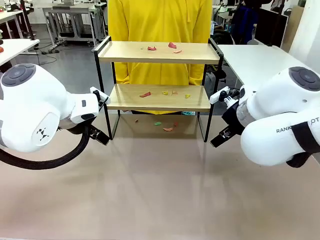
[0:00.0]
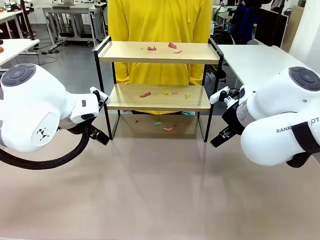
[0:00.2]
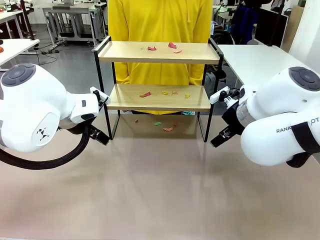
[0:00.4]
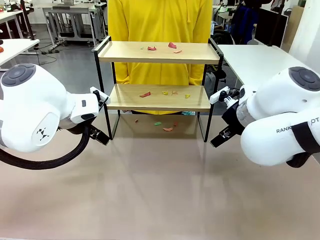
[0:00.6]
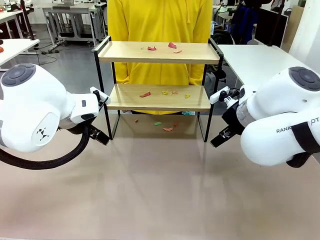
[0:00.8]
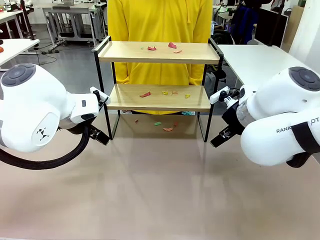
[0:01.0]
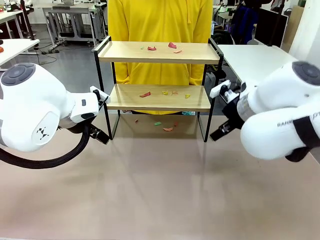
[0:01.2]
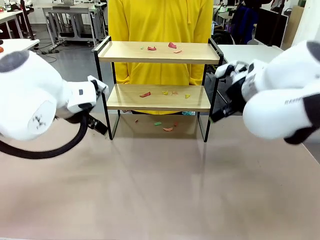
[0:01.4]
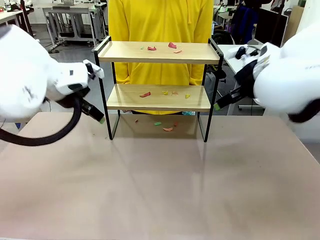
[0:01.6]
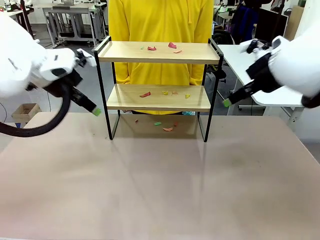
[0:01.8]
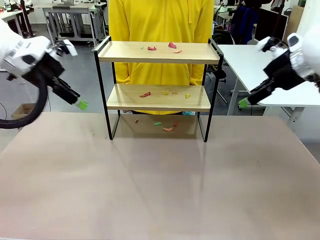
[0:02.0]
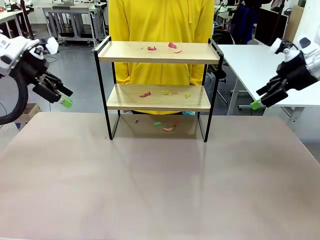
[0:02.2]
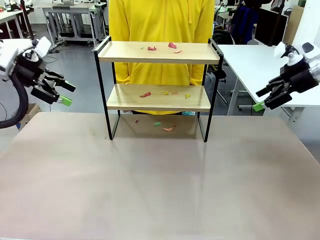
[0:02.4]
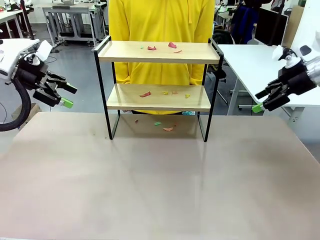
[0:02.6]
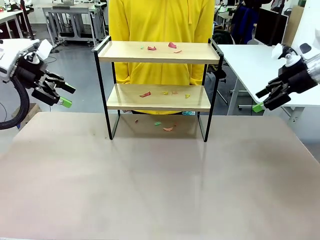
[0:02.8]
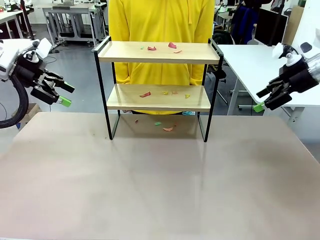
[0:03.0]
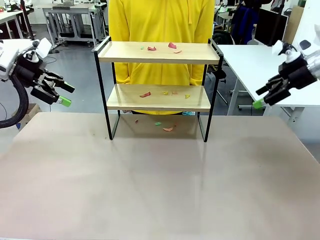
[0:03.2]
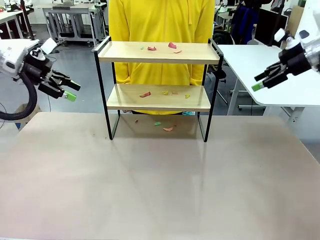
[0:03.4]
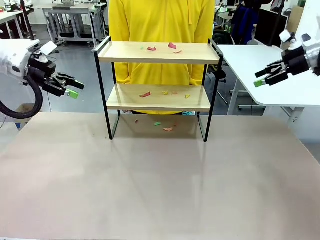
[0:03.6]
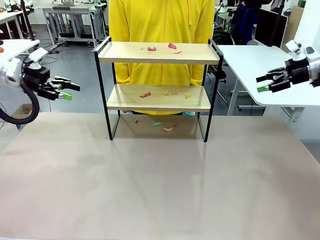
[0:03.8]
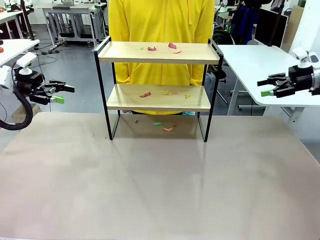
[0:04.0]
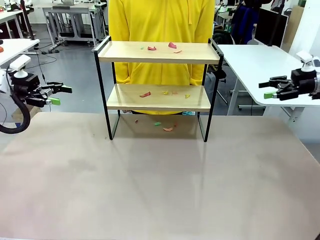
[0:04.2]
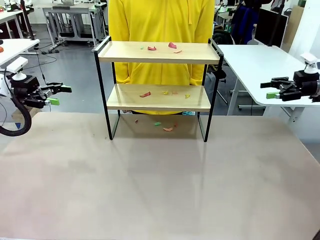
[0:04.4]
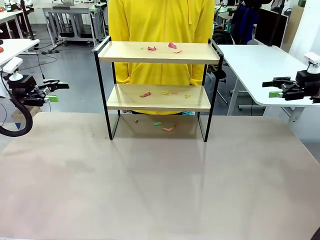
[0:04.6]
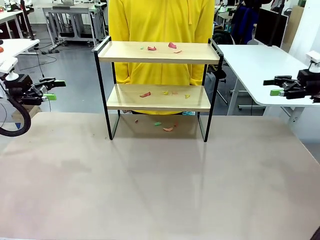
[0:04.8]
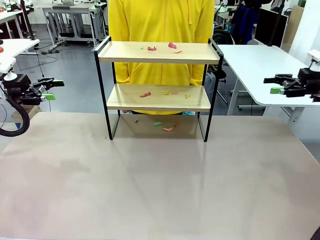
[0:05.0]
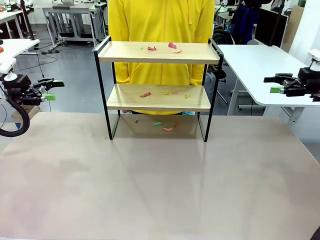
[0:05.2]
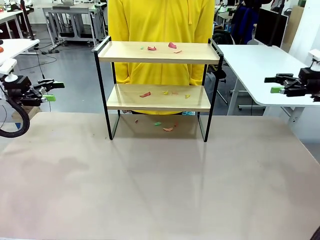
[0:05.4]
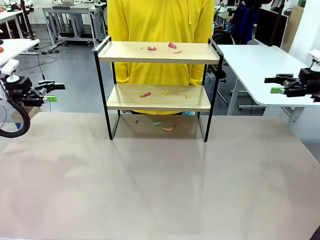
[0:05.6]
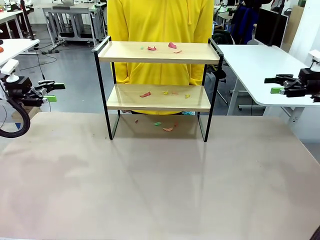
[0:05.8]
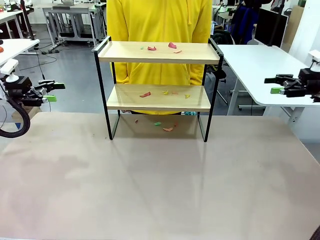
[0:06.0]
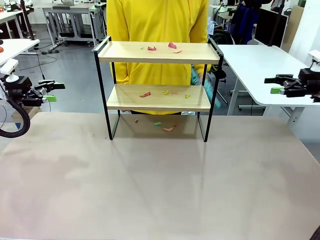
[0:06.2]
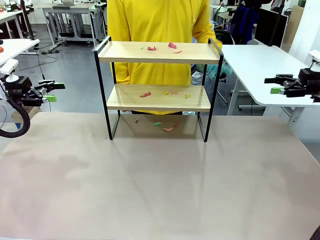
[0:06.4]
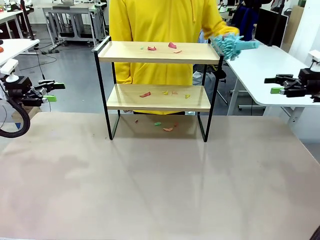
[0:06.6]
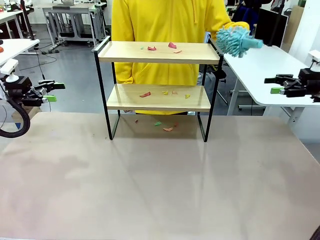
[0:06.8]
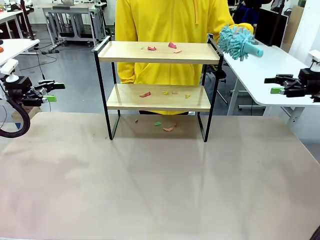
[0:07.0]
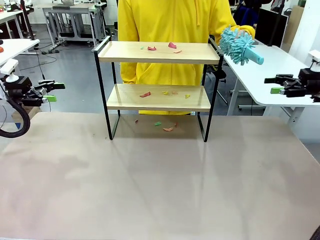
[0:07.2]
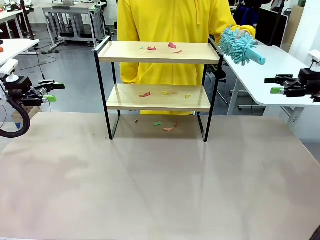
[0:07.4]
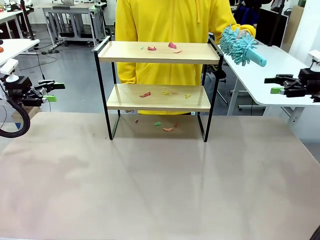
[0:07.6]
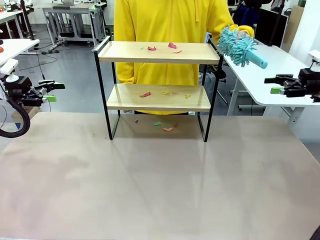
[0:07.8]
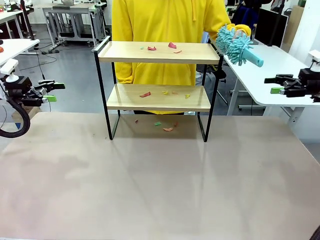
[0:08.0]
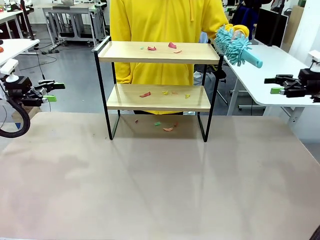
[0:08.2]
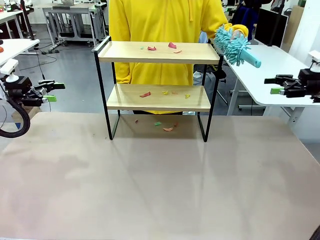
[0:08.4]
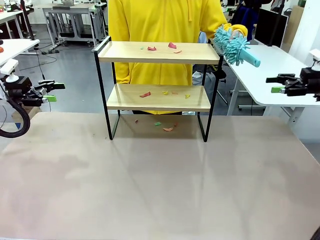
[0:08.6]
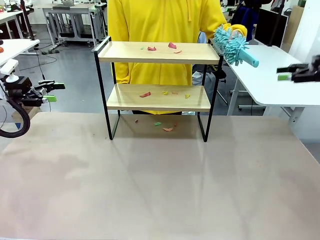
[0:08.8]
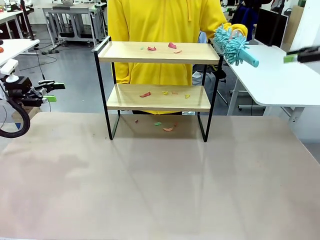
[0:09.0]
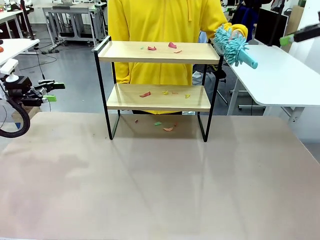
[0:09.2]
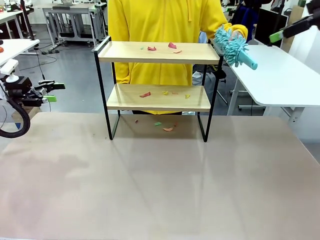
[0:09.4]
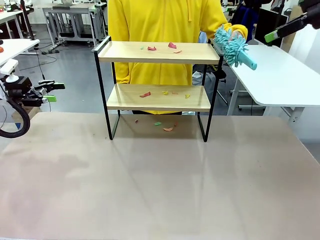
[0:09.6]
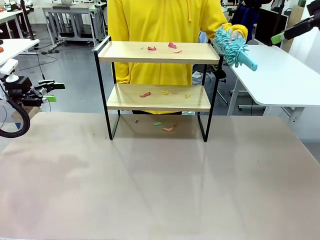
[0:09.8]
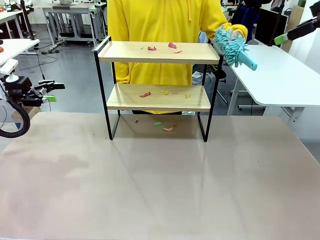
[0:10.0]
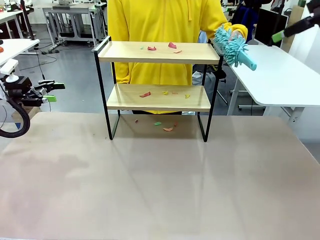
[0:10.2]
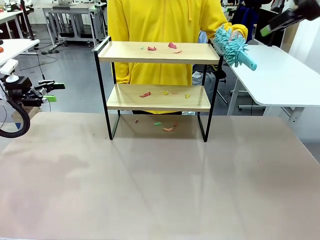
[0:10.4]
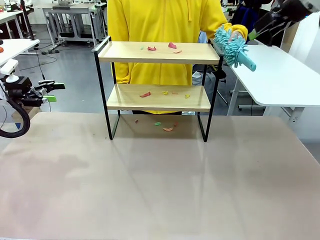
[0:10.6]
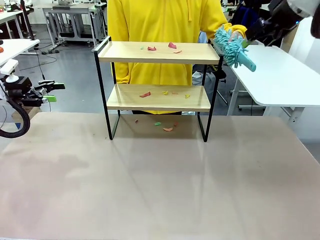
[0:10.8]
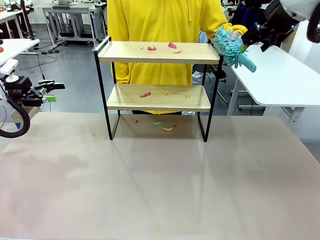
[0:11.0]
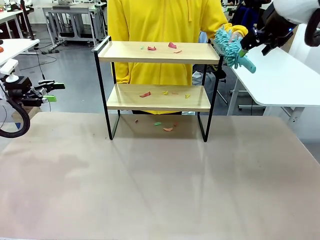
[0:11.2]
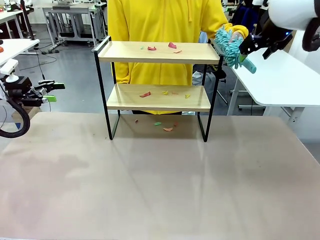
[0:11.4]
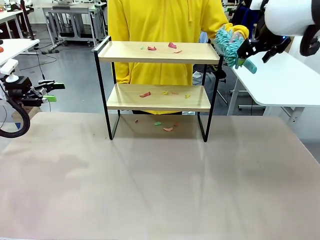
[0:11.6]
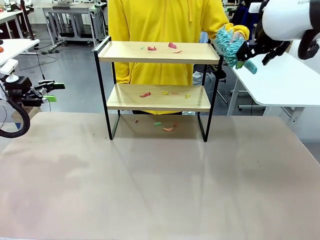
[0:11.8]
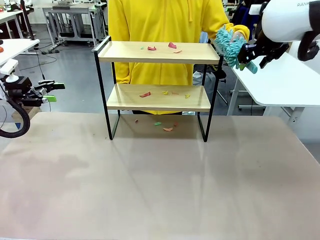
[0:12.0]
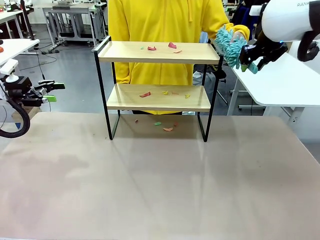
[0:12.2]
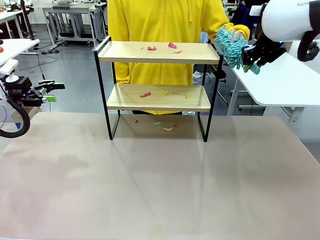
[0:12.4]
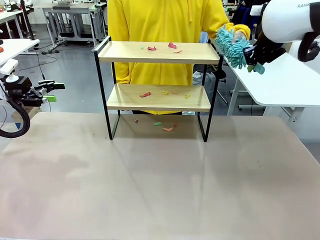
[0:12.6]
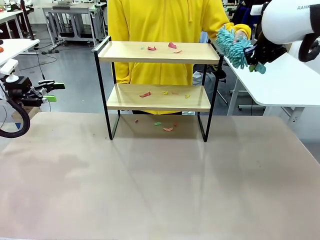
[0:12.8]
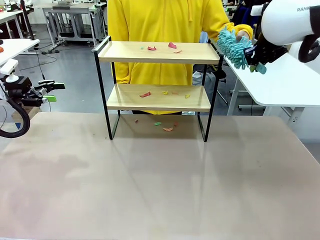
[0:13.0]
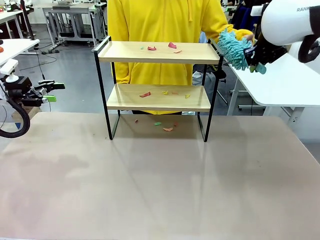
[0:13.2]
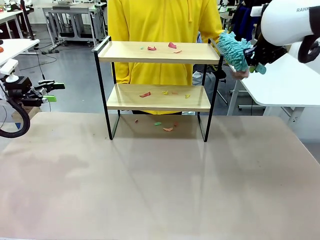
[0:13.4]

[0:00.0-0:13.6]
Task: Clean the shelf.
Robot: Pick up the Duster handed by the human.
Person: Hand the Duster to the robot.
